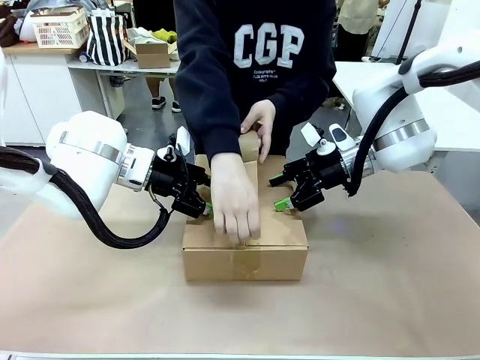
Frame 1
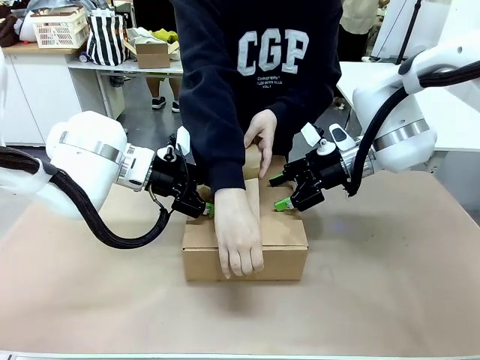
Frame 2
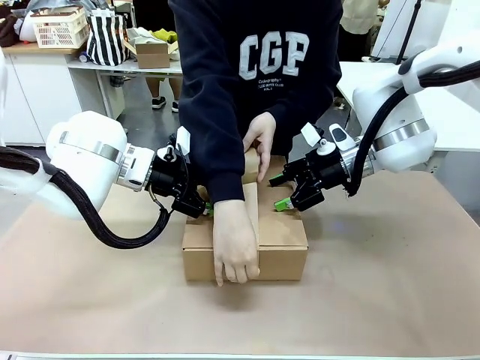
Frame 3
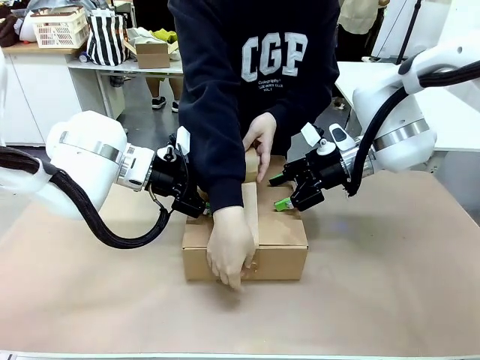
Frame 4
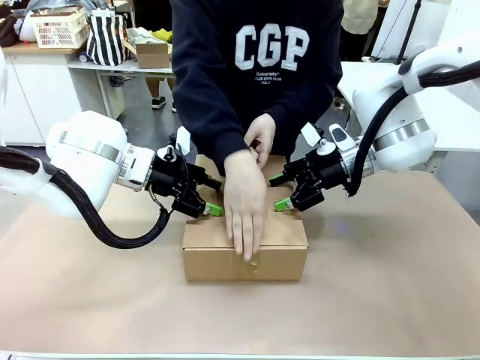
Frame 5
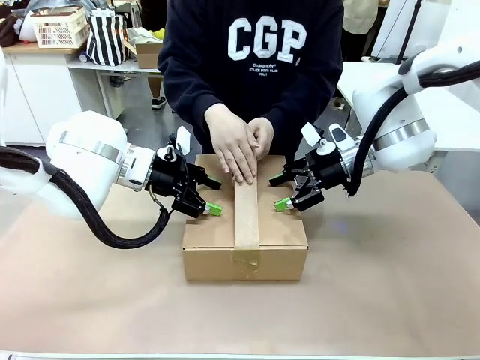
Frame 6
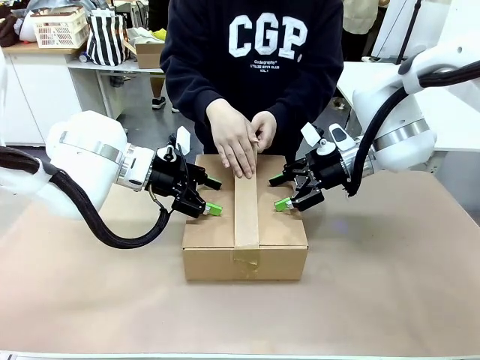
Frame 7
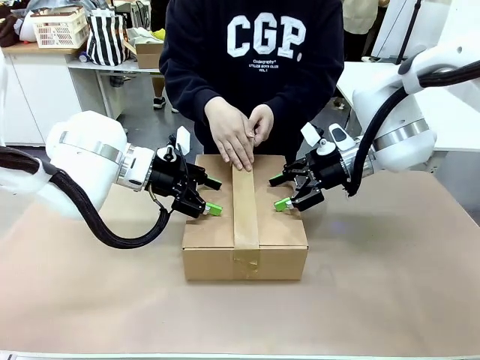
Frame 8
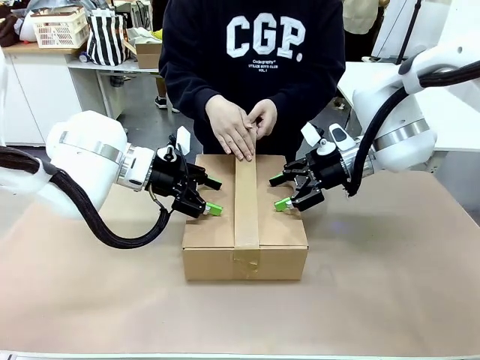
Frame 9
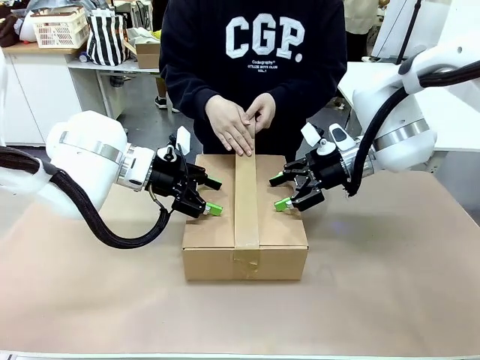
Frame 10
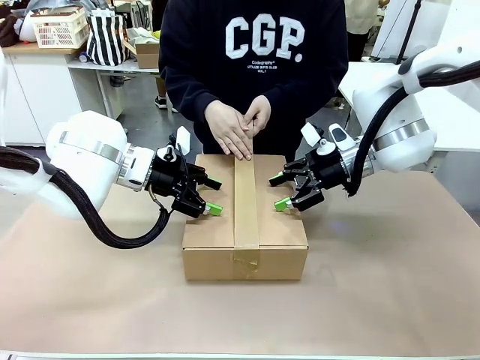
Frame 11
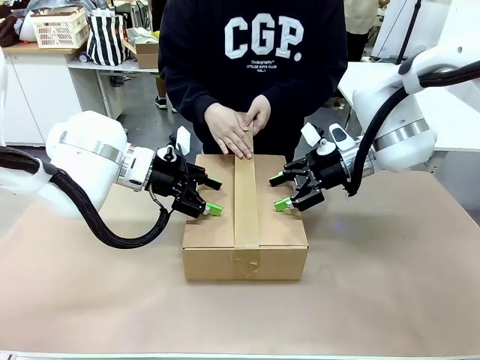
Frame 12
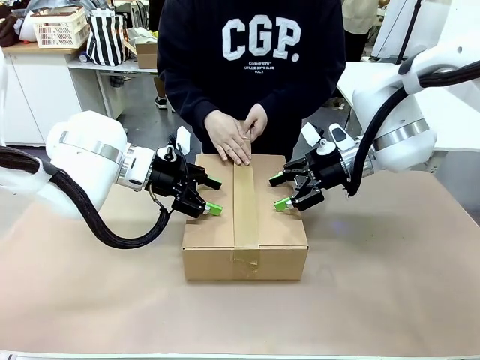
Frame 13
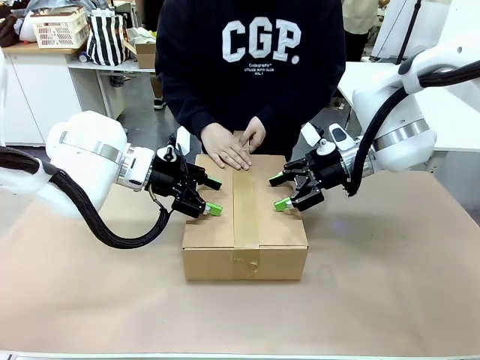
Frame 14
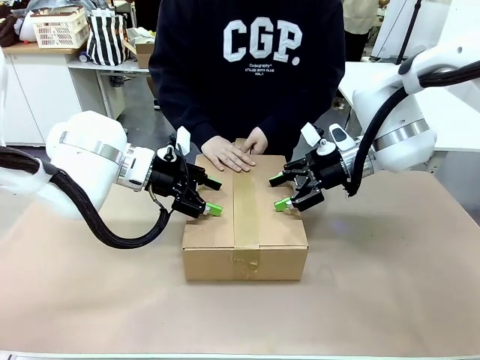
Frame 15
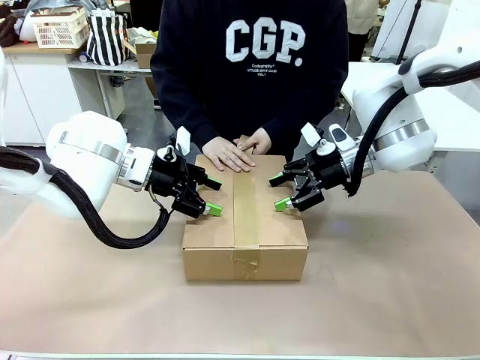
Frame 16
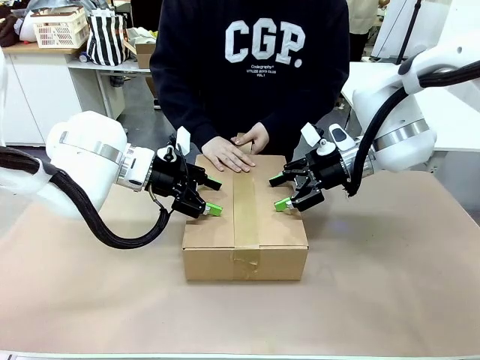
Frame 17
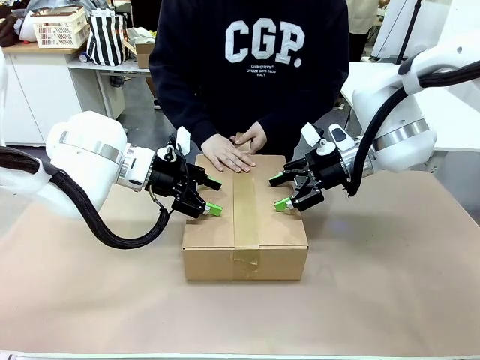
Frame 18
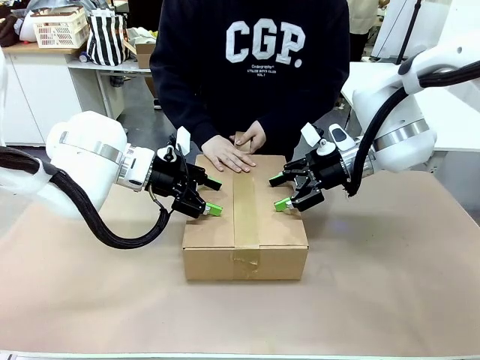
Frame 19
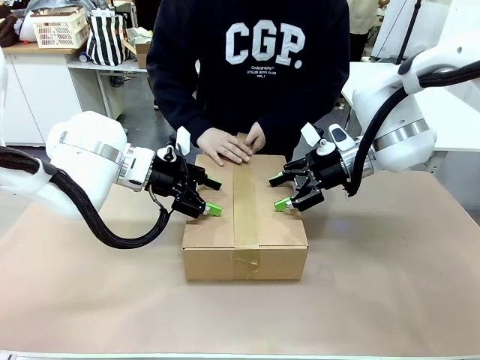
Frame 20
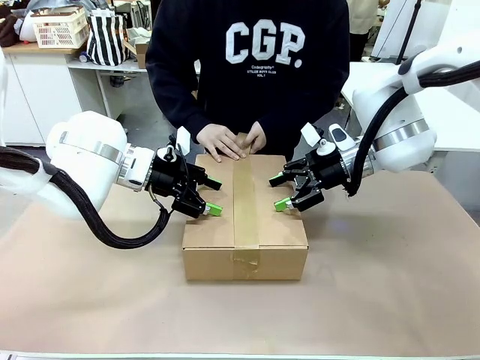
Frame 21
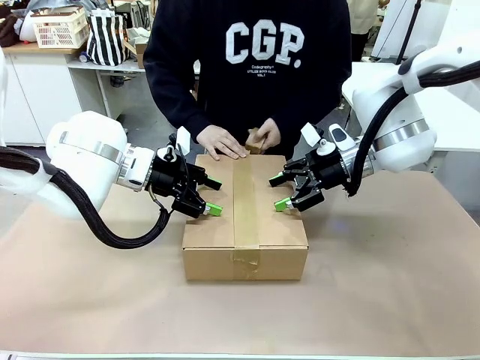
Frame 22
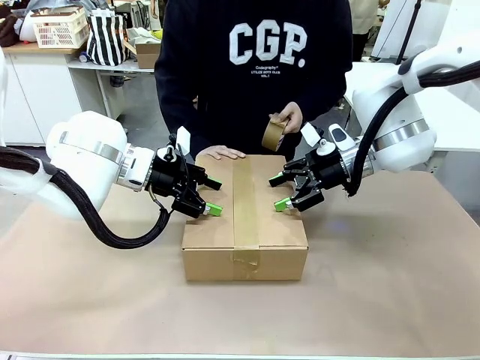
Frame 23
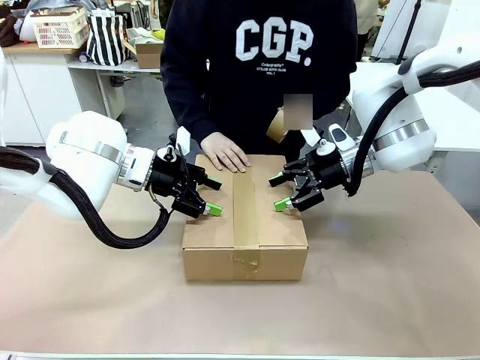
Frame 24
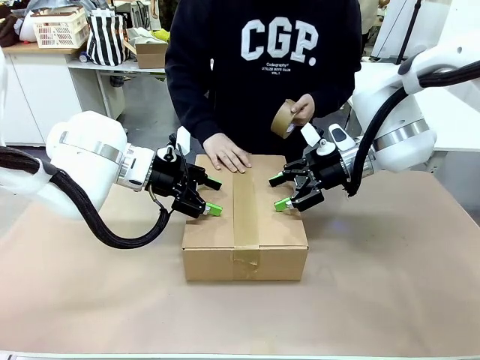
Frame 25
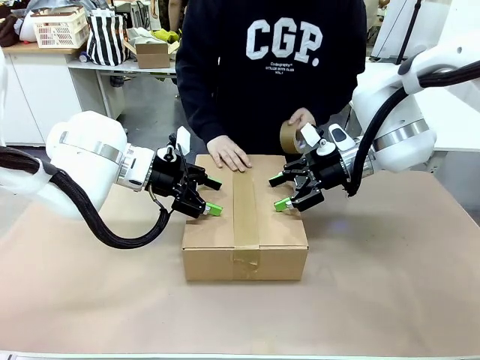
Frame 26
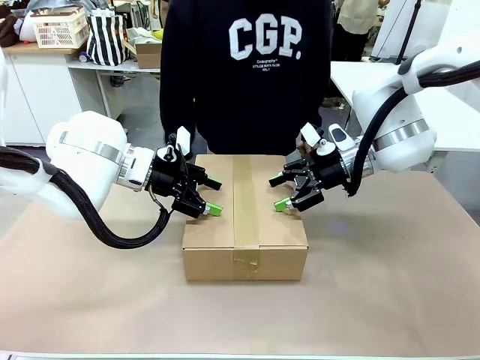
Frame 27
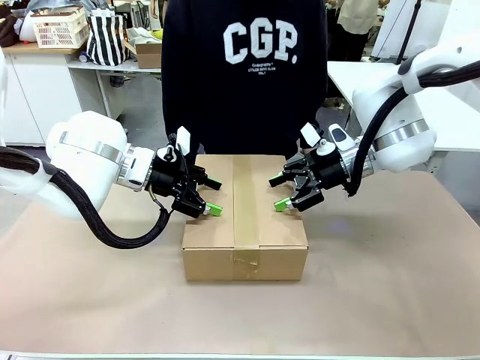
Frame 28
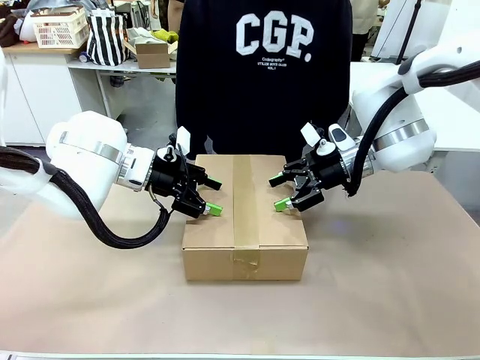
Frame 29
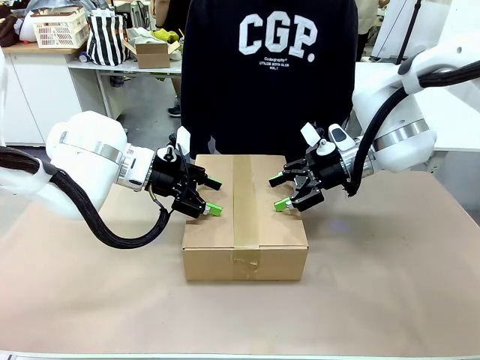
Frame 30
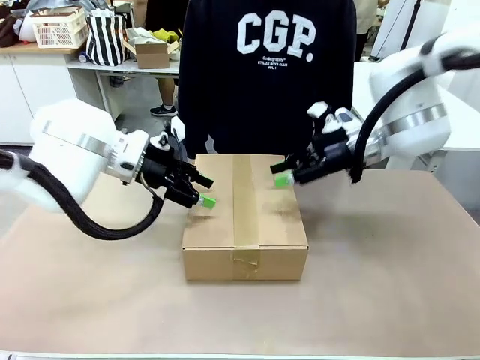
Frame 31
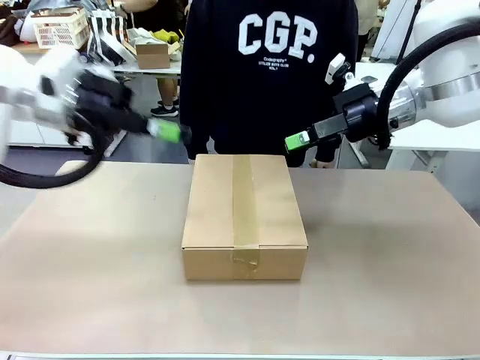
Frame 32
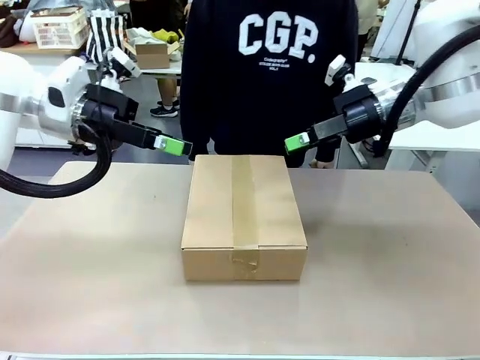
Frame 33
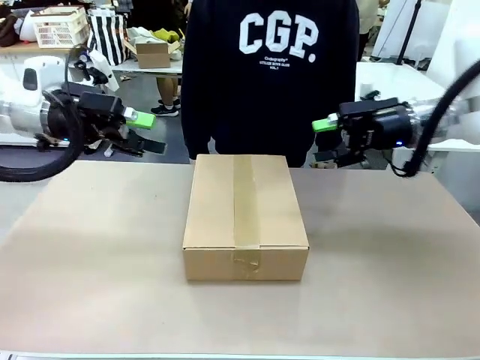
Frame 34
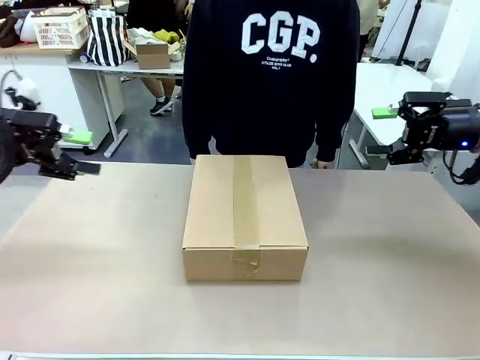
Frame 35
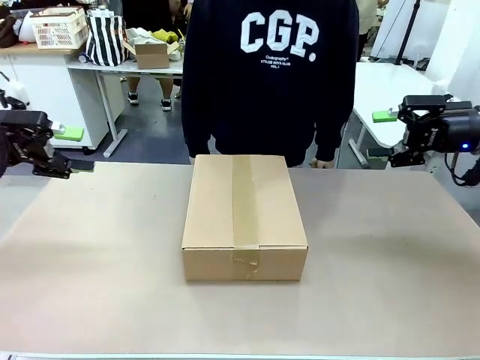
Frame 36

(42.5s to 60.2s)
Task: Pack the gift set into the box.
Robot: Press and hold the closed box until the human finishes sealing it.
Person: The human picks up the paper tape from the human table and packs the box.

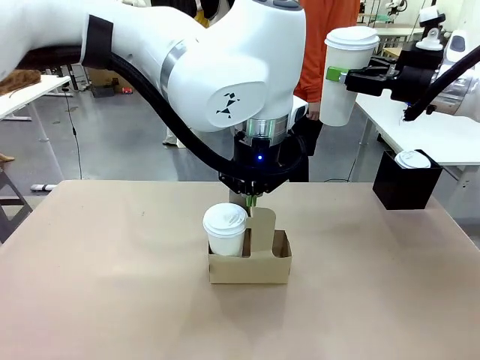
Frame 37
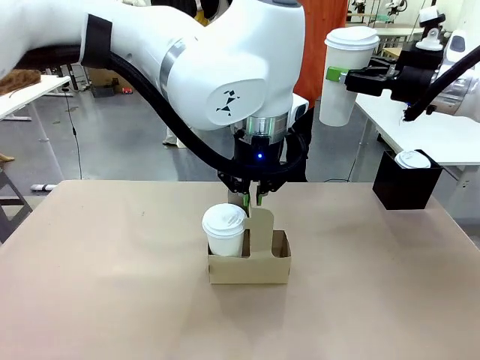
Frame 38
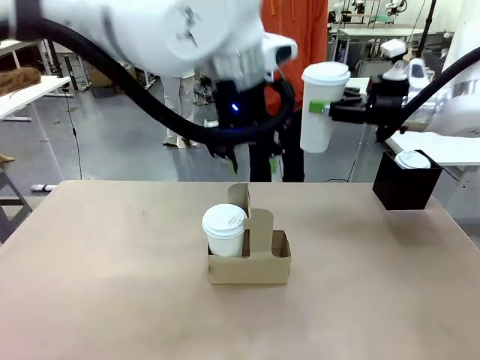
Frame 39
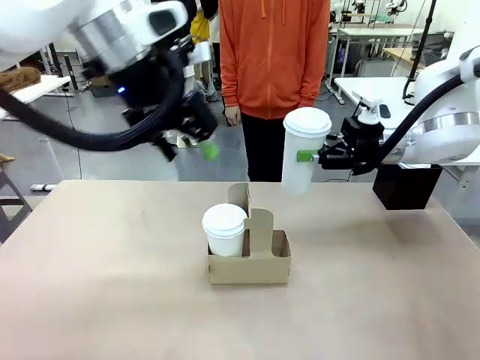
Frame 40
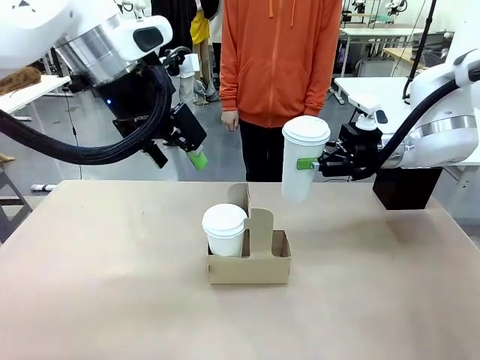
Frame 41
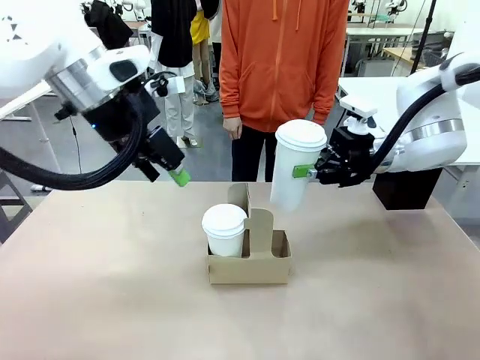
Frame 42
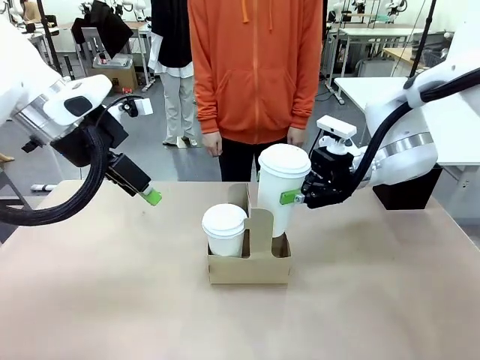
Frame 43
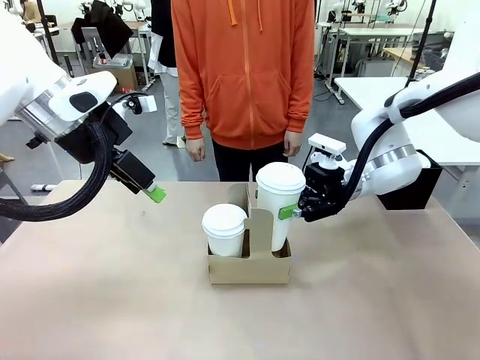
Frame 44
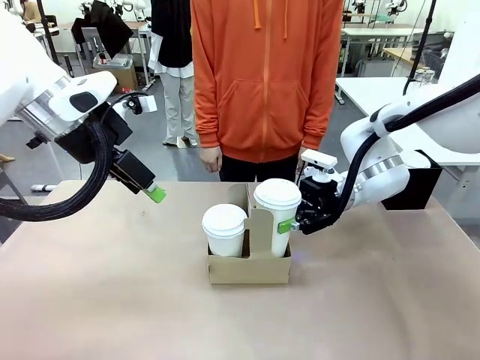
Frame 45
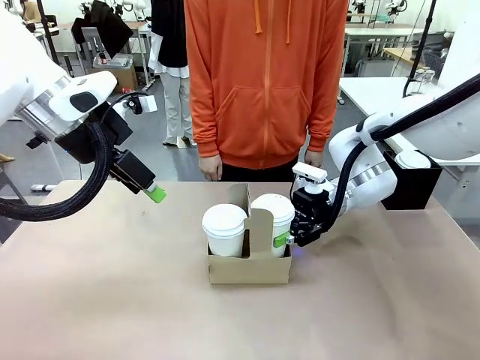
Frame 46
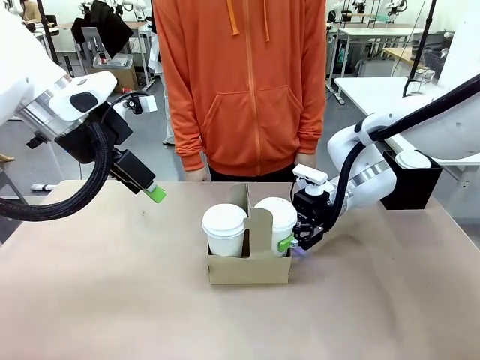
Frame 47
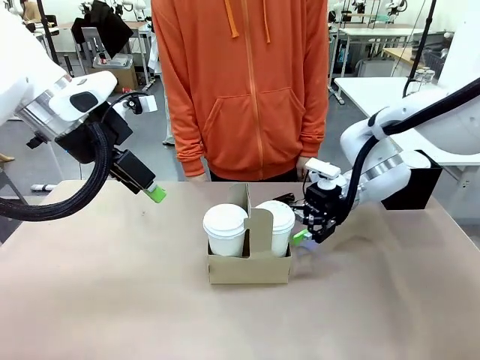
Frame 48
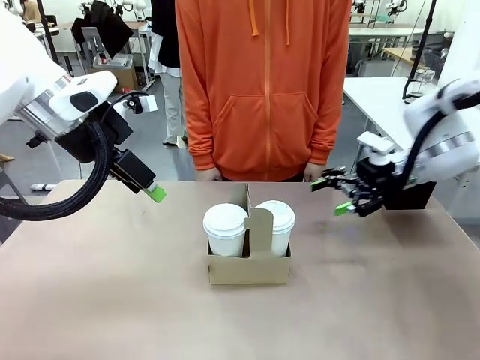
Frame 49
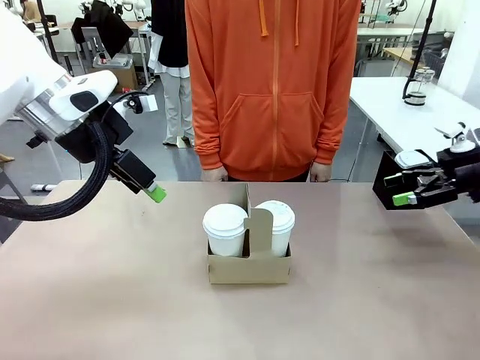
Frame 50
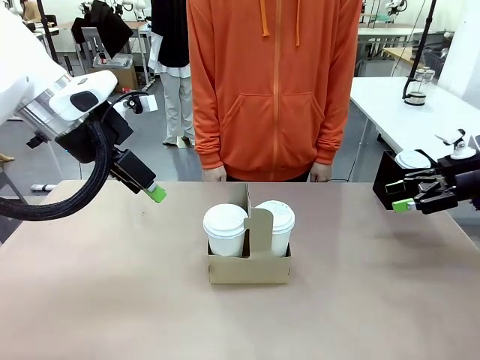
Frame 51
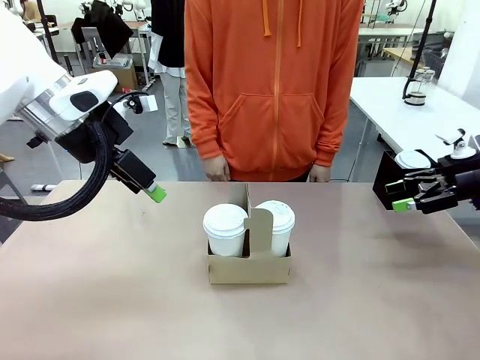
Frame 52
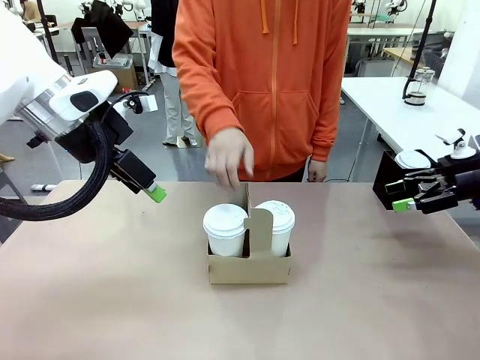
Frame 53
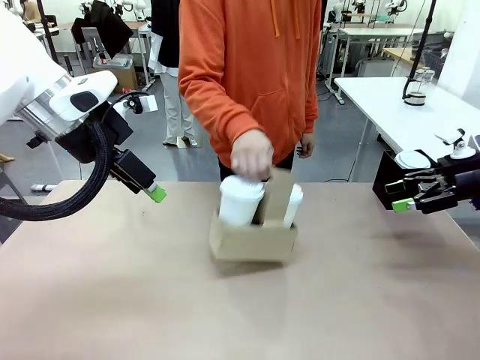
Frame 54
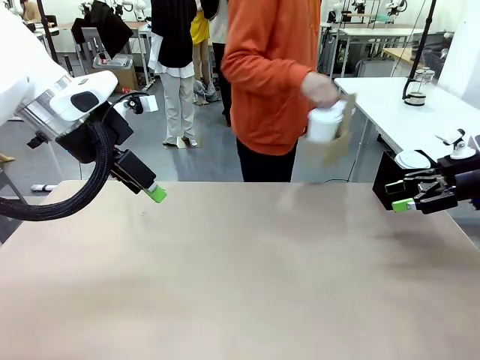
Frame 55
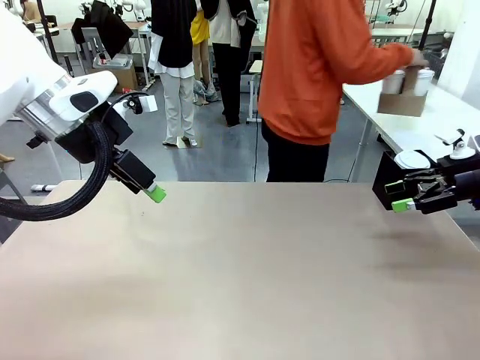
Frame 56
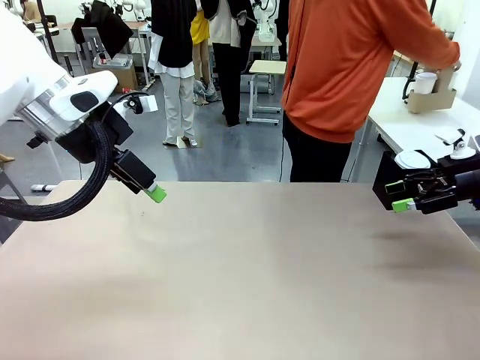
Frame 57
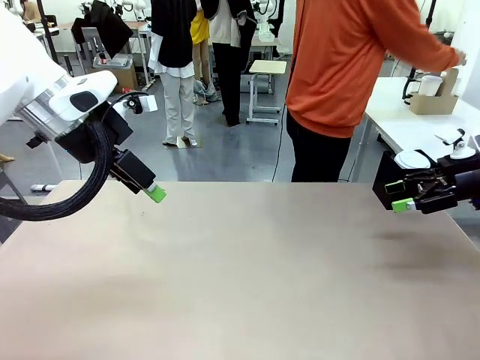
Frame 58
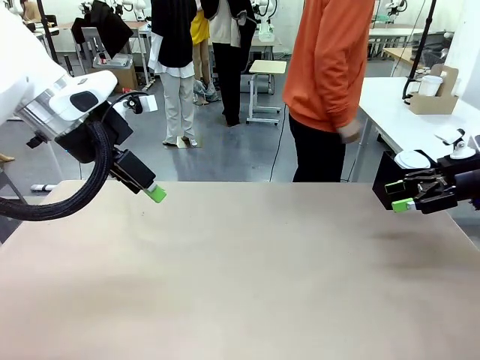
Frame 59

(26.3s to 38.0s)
Task: Pour a drink into a cup and package it in a carrier.
Robot: Insert the held 600 ml Paper Cup into the Cup Carrier.
Person: Place the Cup Carrier to the middle of Human table.
